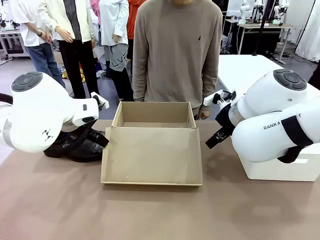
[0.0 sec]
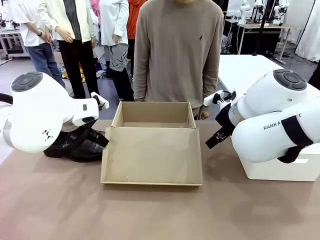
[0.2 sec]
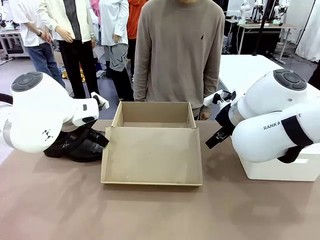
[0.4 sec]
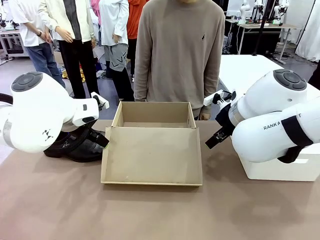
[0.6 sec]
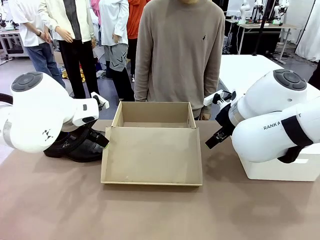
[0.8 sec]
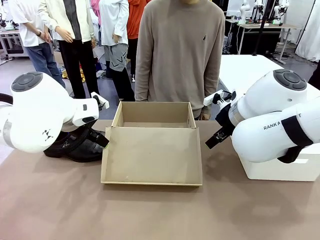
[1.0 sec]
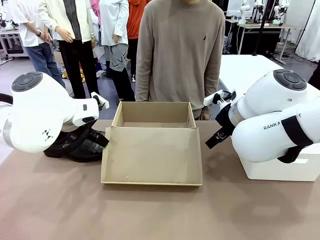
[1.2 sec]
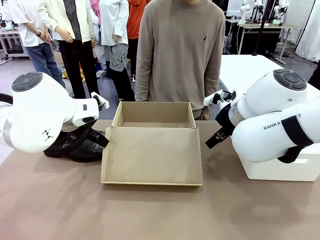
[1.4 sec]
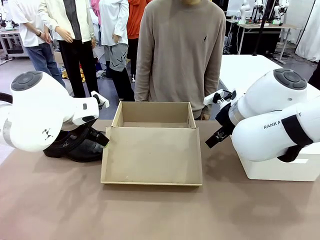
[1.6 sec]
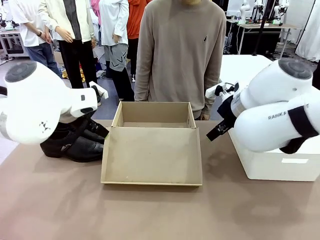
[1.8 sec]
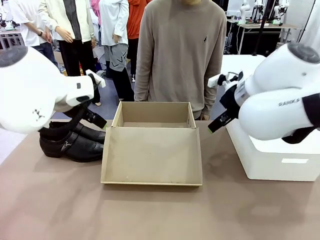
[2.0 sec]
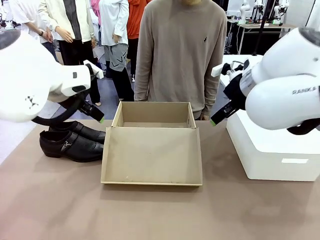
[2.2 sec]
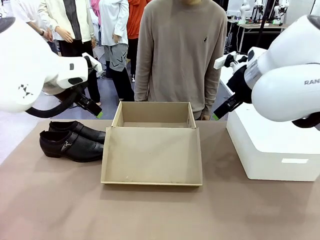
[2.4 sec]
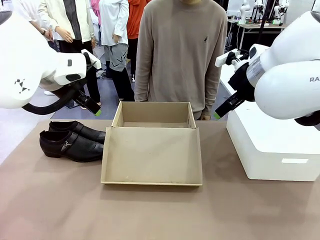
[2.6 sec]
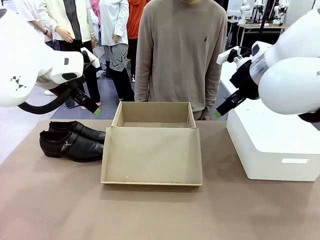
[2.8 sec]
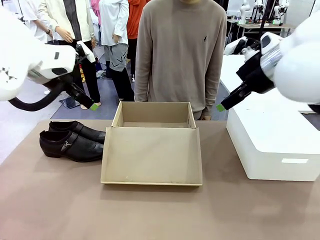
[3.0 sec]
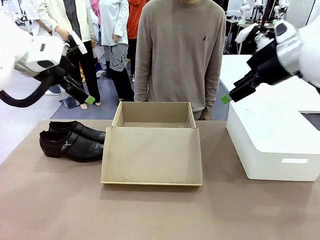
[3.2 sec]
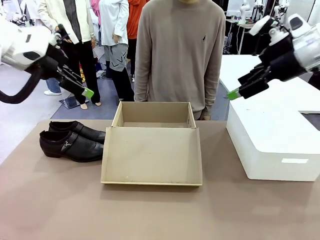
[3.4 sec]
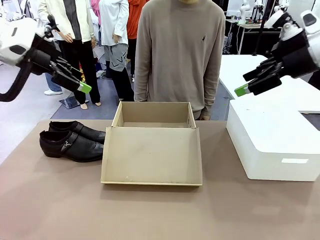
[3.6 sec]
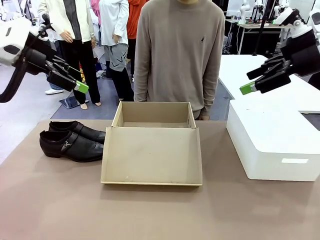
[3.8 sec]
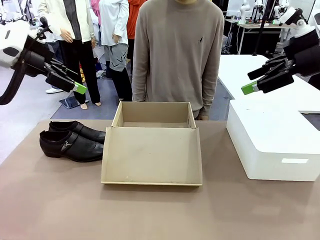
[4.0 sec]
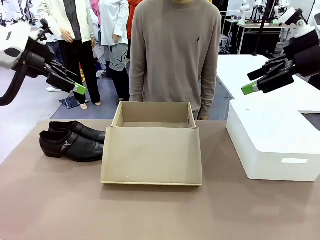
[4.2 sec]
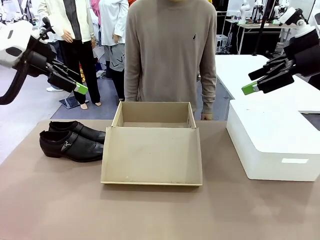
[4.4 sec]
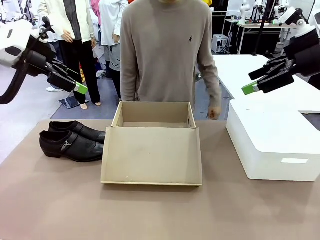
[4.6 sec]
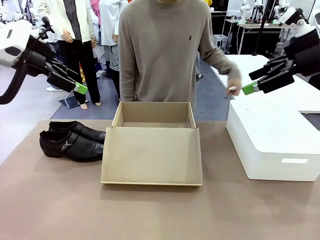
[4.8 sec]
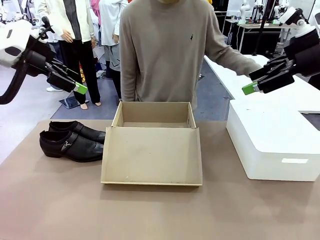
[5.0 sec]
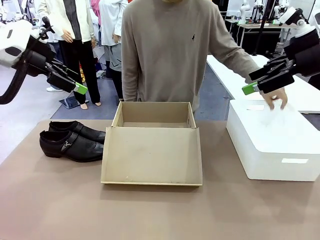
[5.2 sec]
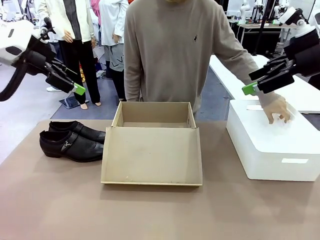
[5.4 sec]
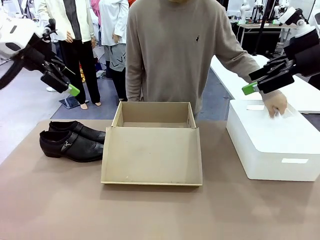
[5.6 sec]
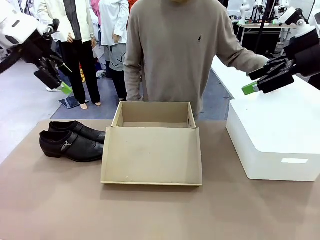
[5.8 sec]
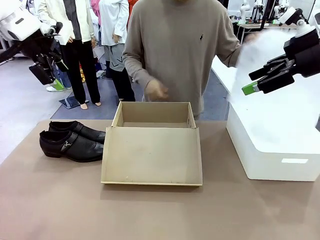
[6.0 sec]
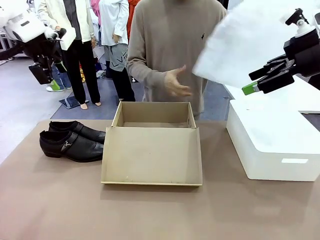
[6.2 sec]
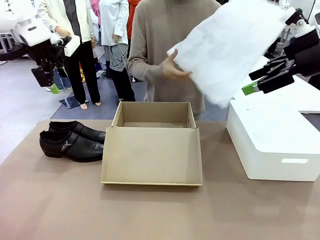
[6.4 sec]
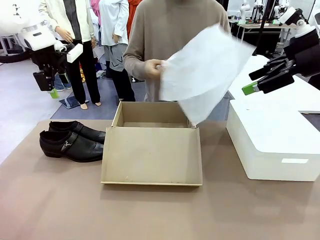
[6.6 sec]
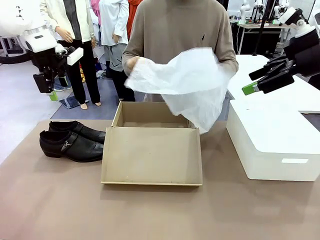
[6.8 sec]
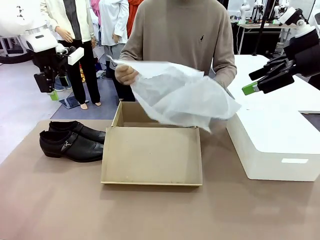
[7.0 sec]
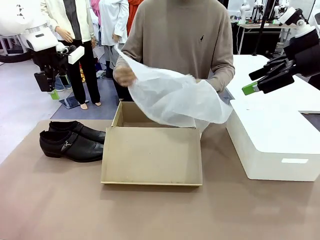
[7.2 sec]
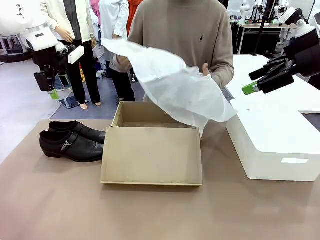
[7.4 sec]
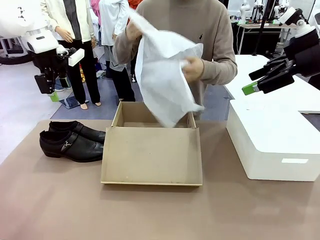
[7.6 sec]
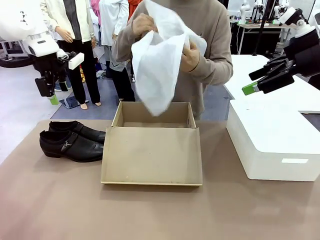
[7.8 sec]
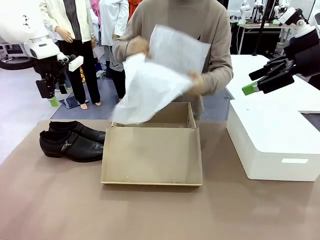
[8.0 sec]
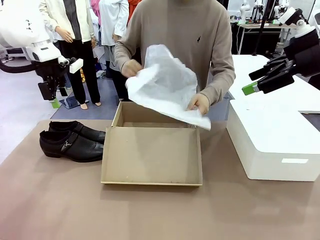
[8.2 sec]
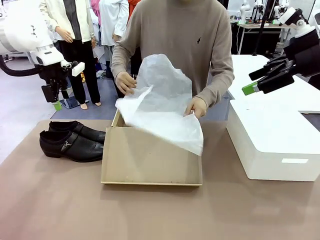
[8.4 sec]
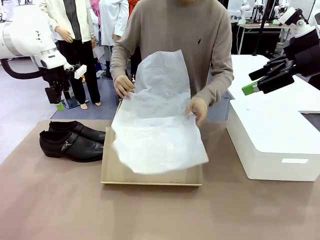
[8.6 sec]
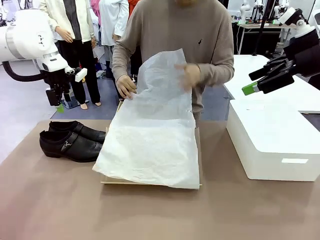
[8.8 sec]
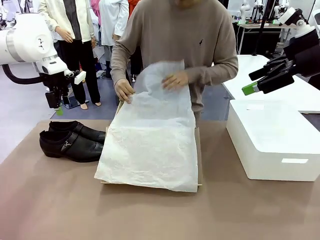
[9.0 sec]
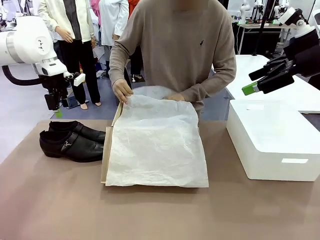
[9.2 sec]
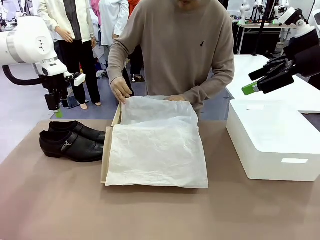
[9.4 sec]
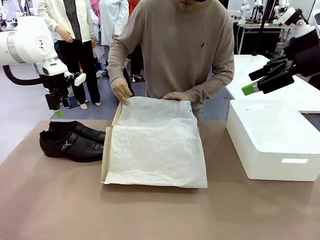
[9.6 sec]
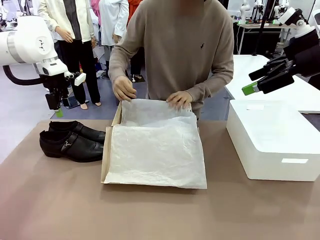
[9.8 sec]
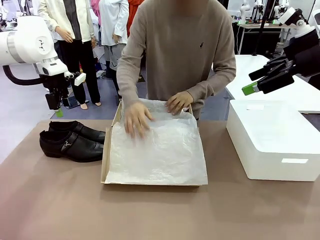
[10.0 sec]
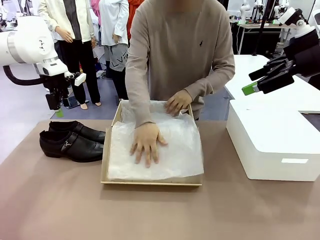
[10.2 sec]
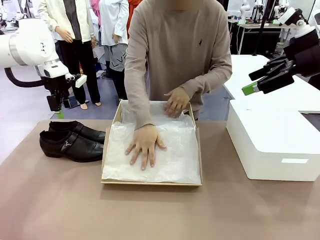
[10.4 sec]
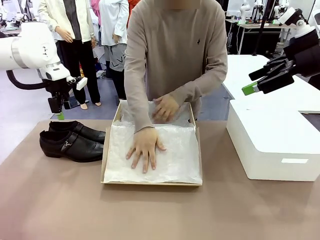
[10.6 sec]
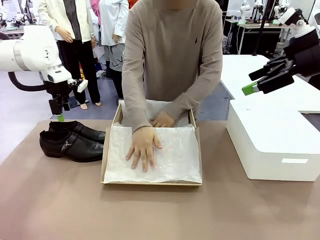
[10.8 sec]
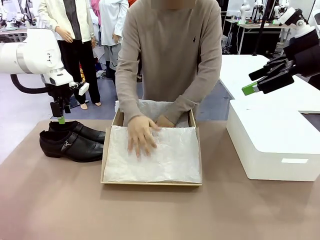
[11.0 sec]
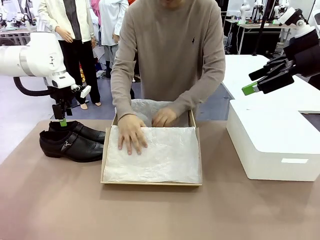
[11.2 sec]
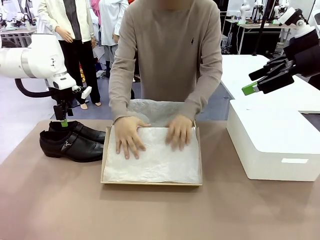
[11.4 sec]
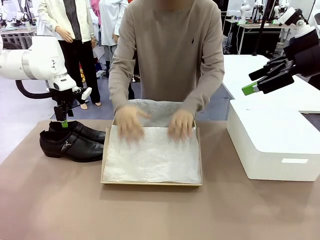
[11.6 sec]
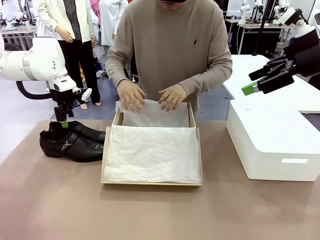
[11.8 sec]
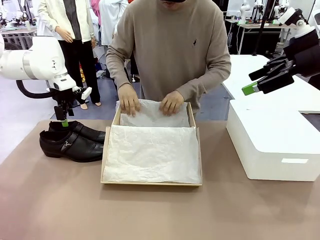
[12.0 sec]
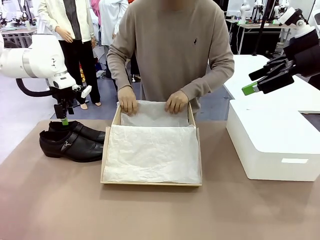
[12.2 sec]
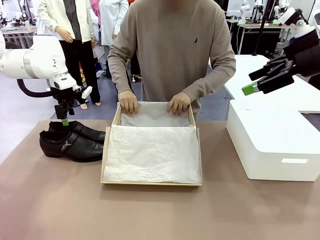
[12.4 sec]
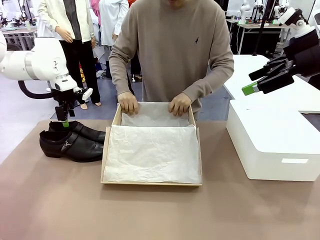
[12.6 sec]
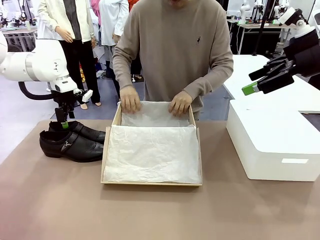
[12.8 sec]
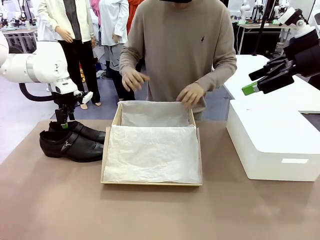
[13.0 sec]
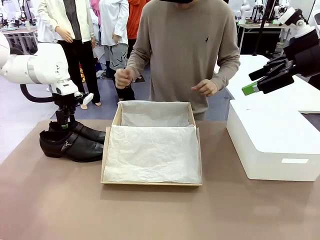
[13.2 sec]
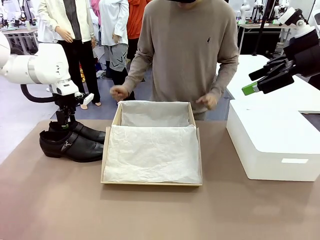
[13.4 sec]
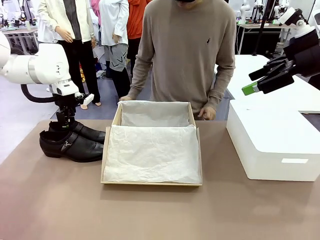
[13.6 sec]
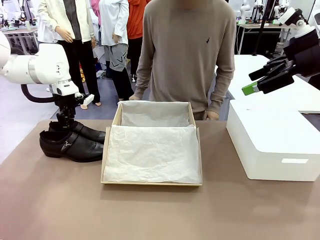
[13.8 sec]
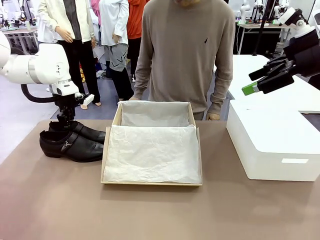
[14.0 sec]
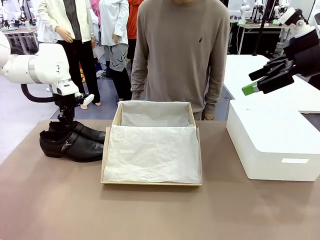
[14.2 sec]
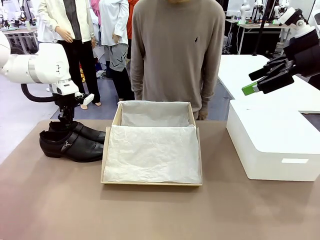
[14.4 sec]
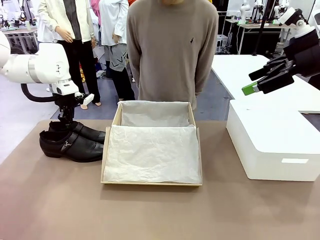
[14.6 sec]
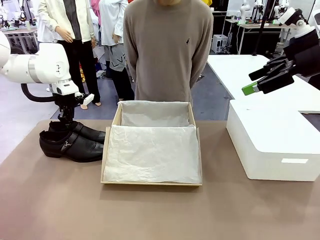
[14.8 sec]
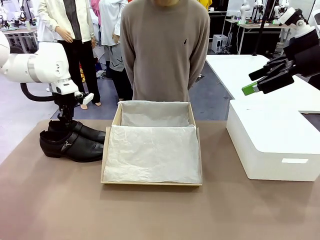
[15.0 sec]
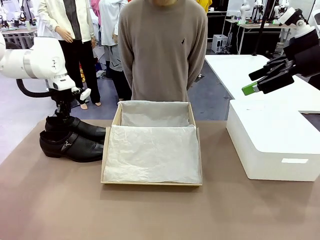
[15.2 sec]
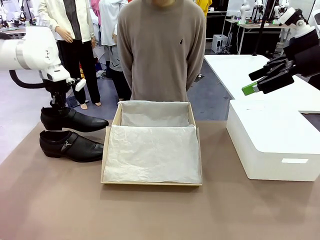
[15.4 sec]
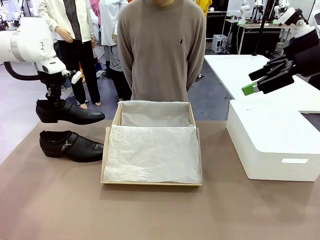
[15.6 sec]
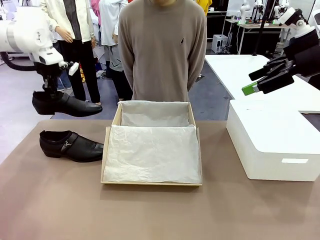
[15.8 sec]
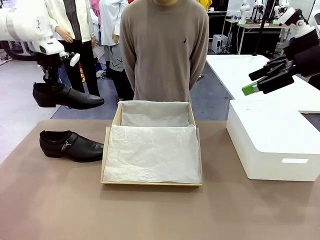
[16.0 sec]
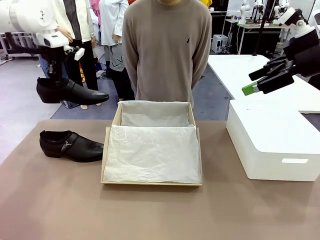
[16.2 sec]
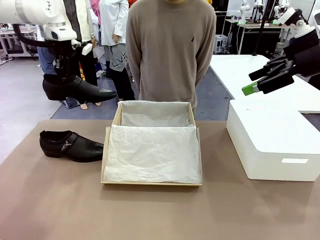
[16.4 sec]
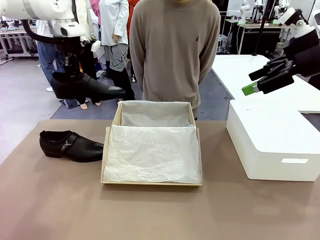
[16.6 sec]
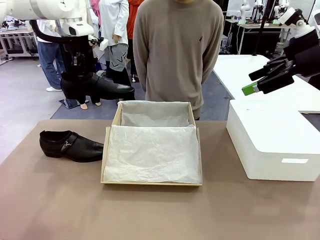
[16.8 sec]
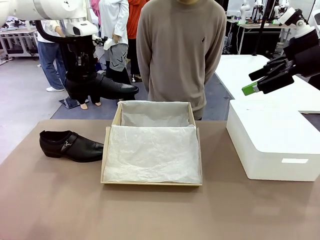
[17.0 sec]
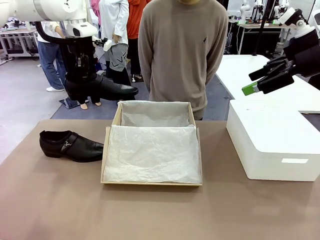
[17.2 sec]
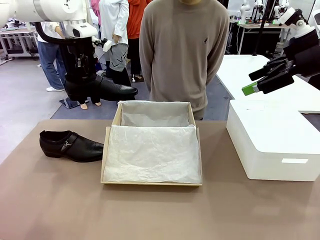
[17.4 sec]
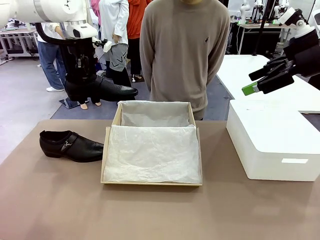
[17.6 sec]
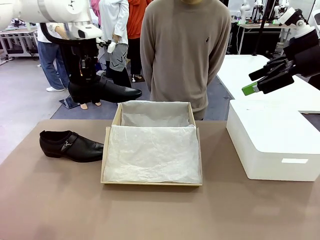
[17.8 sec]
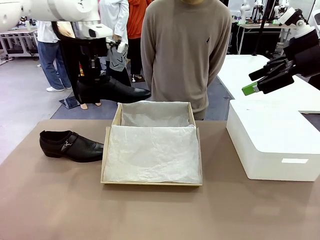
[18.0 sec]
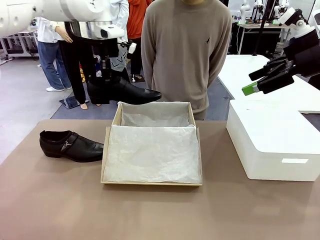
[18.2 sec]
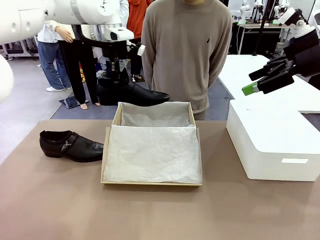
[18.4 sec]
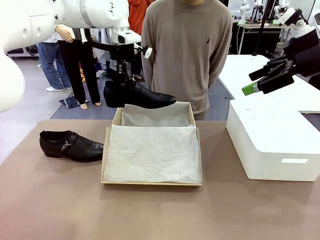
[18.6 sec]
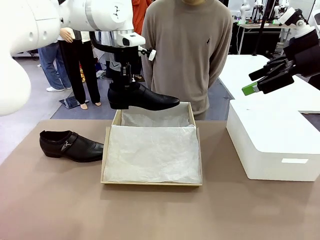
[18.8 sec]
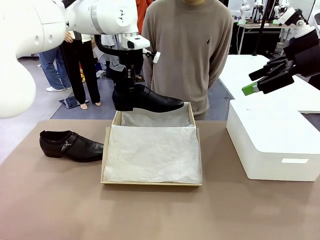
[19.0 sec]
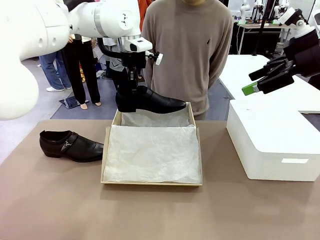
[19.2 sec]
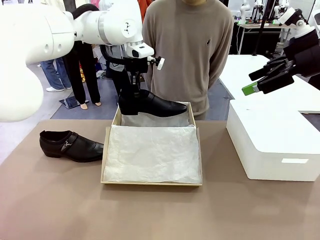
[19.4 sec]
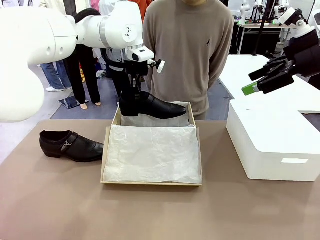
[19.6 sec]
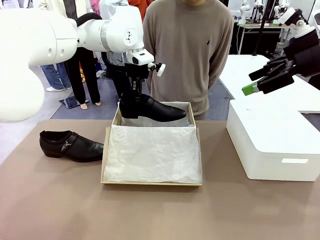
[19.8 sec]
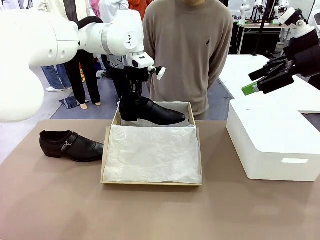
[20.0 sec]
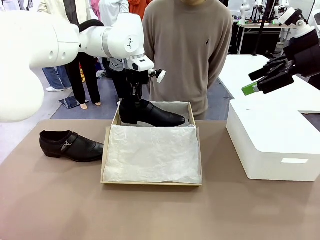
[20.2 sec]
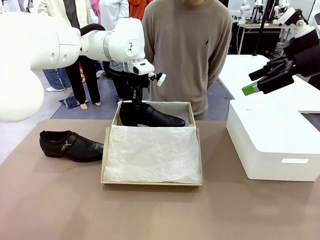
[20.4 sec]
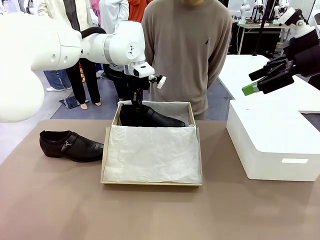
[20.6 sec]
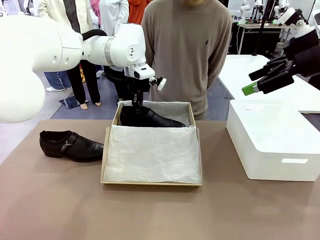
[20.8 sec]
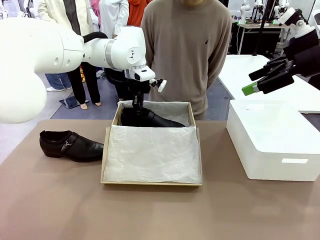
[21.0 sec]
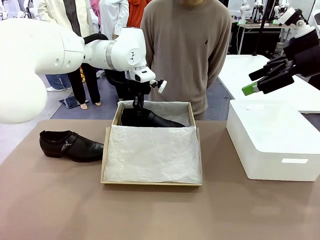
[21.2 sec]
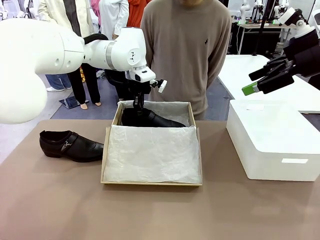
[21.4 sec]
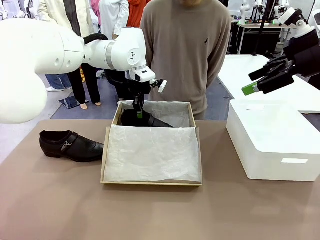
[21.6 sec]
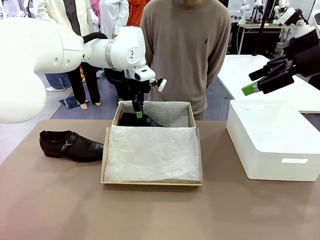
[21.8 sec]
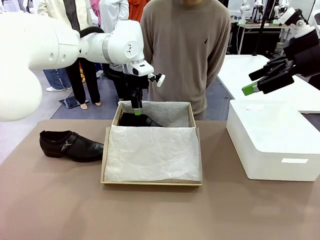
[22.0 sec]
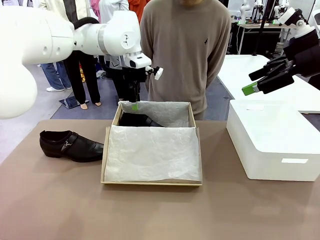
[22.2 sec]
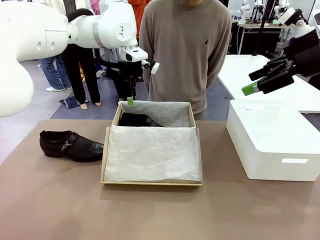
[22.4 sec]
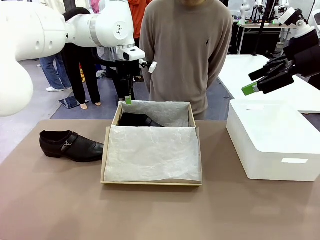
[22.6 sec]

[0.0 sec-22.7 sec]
Task: Pack the shoes into the box.
Robot: Place one shoe of the Shoes into the Shoes Box.
Person: Spread Shoes Wrapping Paper and place inside the Shoes Box.
